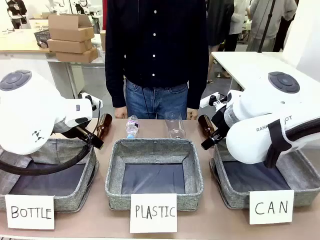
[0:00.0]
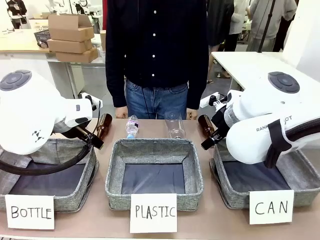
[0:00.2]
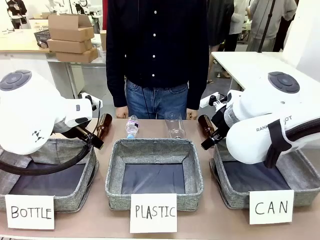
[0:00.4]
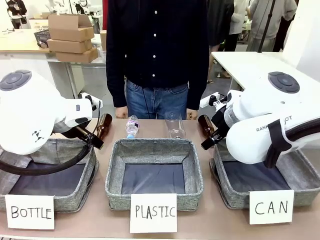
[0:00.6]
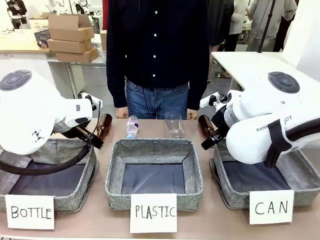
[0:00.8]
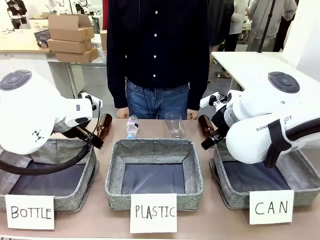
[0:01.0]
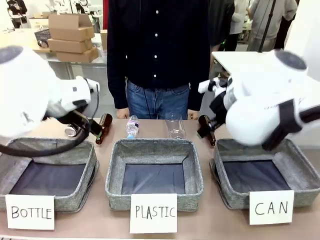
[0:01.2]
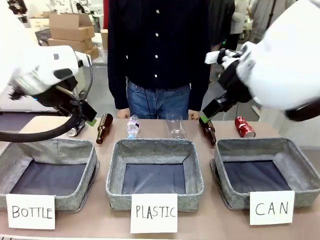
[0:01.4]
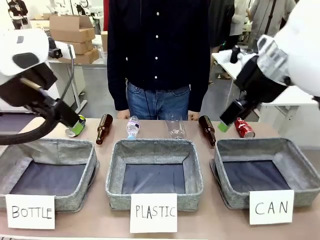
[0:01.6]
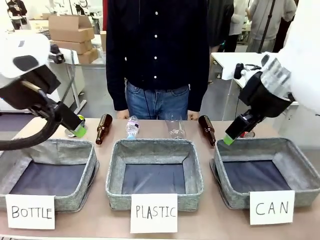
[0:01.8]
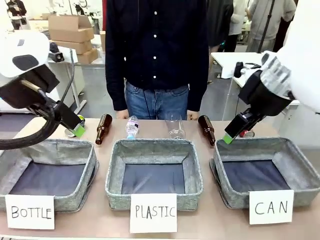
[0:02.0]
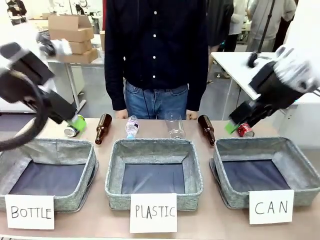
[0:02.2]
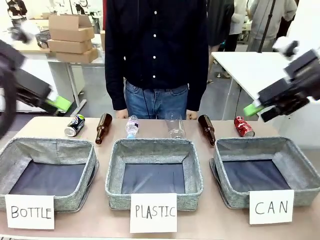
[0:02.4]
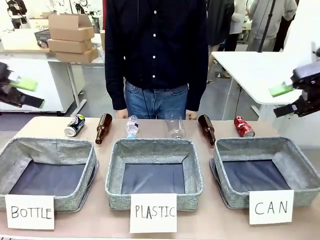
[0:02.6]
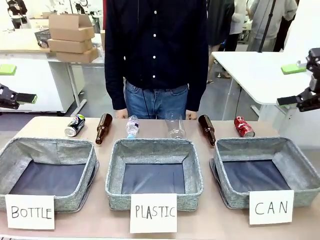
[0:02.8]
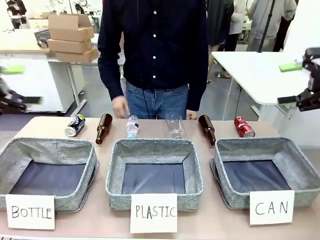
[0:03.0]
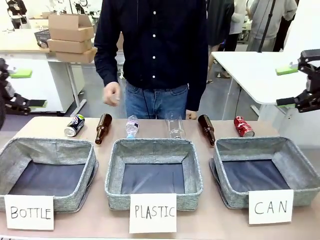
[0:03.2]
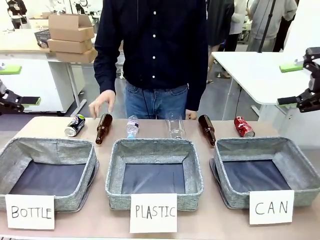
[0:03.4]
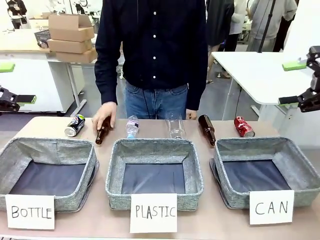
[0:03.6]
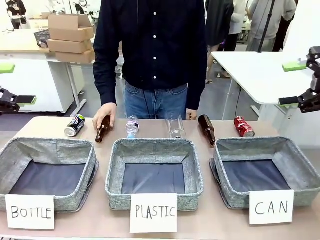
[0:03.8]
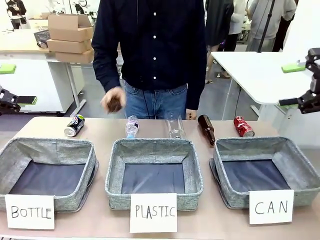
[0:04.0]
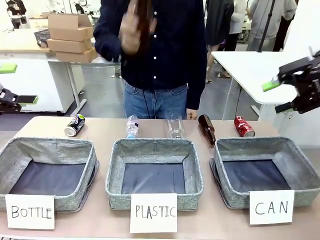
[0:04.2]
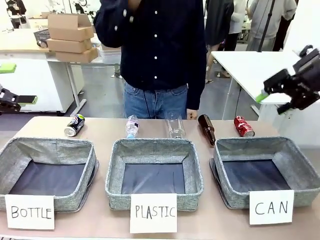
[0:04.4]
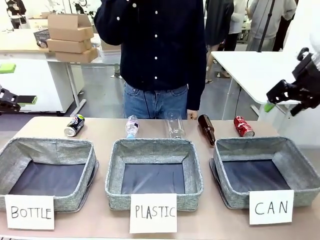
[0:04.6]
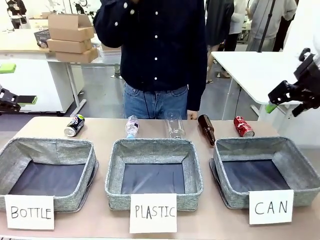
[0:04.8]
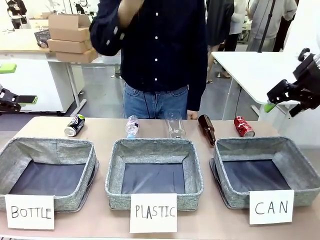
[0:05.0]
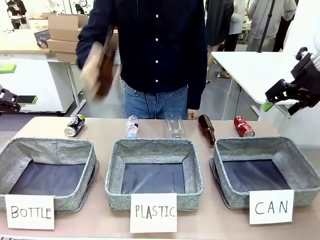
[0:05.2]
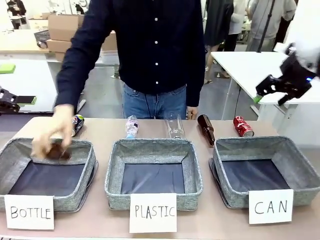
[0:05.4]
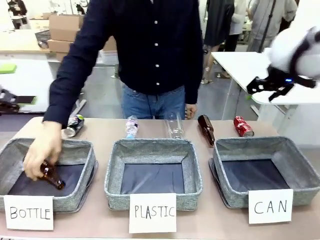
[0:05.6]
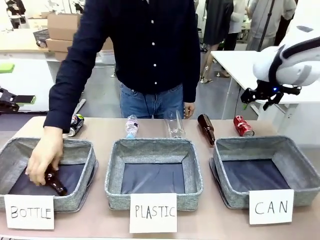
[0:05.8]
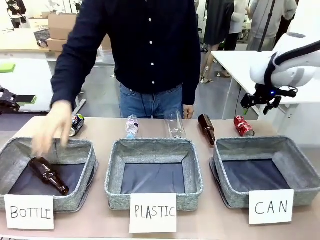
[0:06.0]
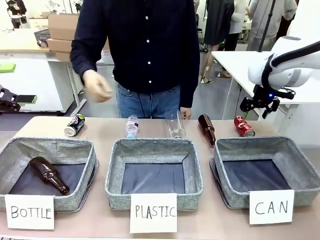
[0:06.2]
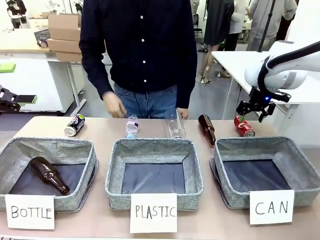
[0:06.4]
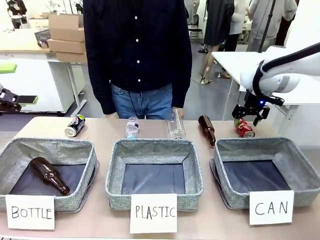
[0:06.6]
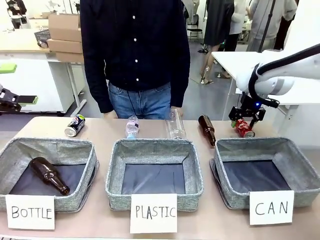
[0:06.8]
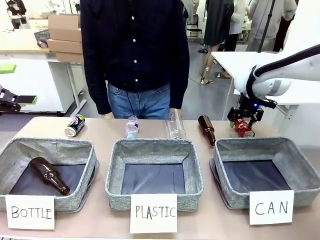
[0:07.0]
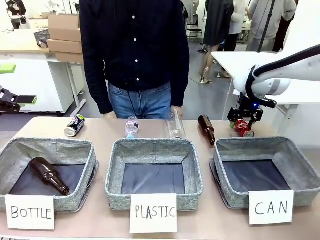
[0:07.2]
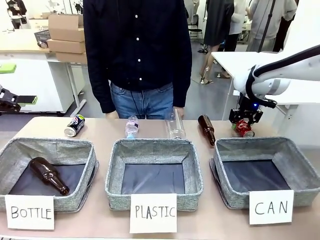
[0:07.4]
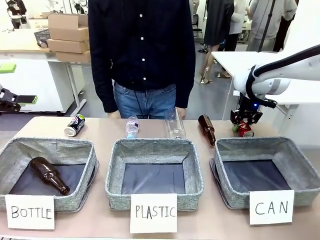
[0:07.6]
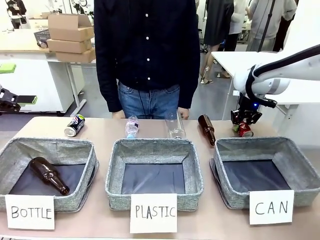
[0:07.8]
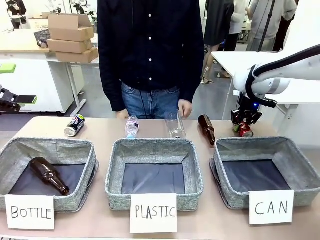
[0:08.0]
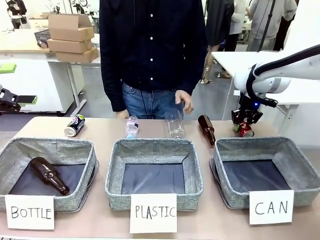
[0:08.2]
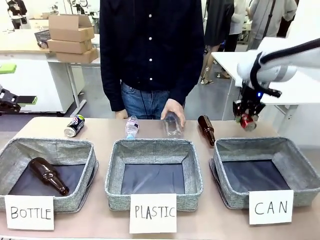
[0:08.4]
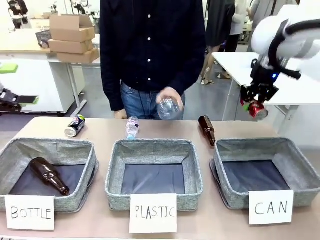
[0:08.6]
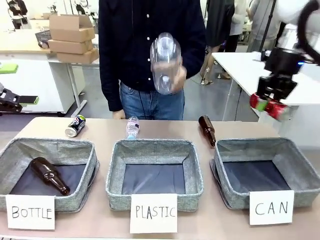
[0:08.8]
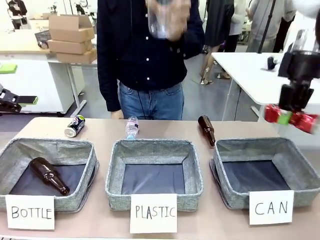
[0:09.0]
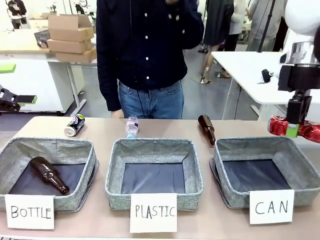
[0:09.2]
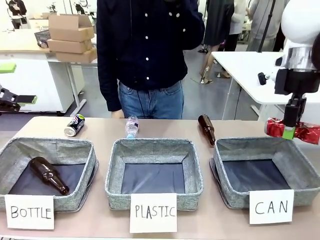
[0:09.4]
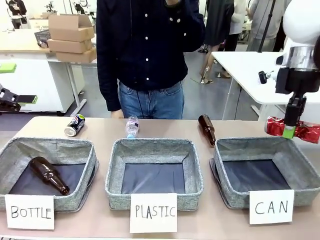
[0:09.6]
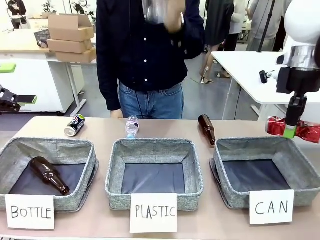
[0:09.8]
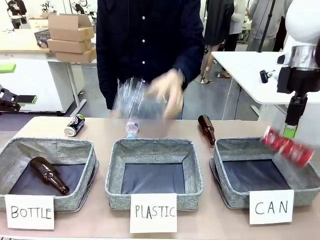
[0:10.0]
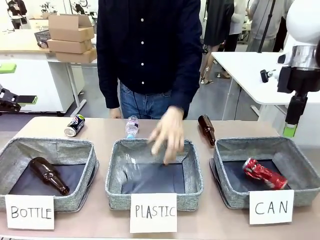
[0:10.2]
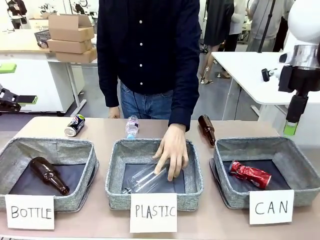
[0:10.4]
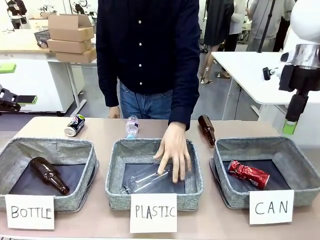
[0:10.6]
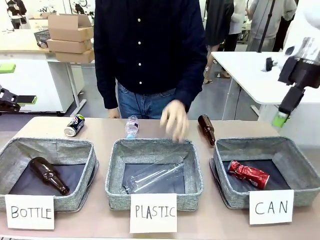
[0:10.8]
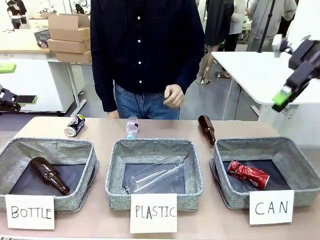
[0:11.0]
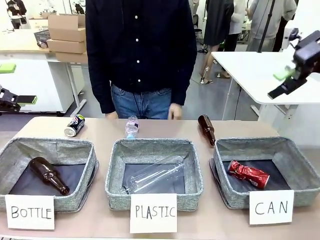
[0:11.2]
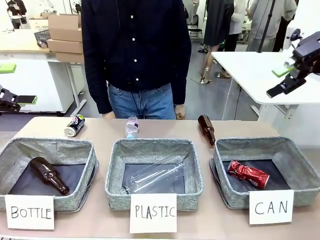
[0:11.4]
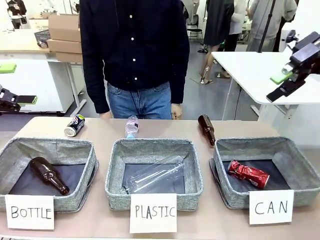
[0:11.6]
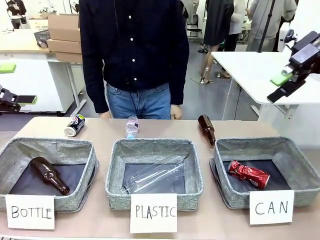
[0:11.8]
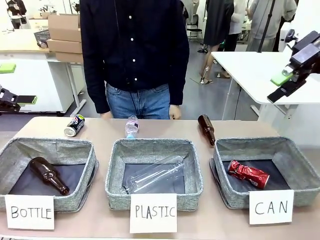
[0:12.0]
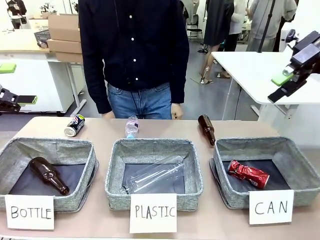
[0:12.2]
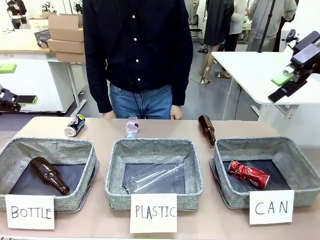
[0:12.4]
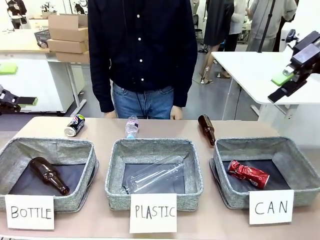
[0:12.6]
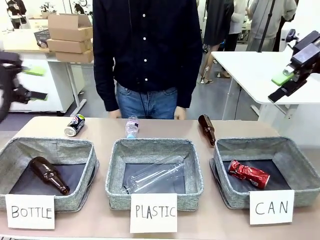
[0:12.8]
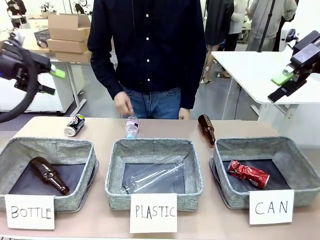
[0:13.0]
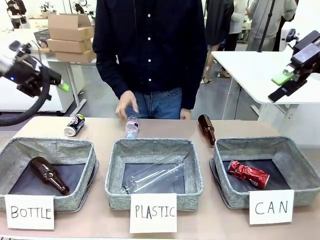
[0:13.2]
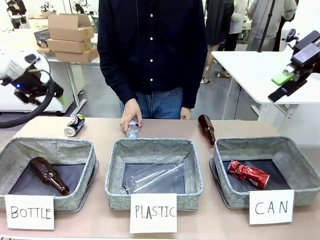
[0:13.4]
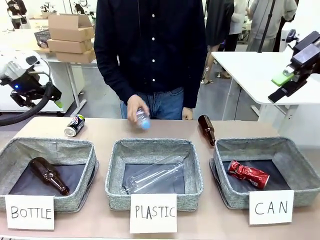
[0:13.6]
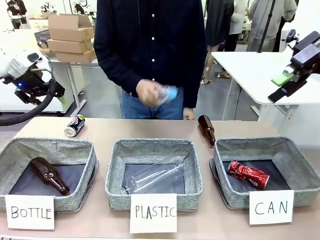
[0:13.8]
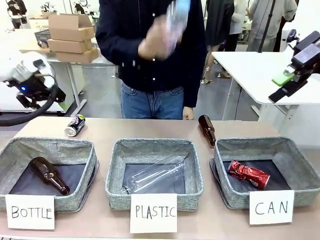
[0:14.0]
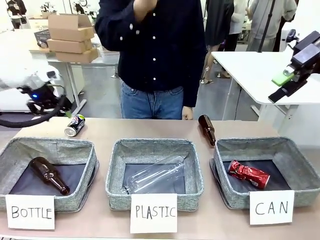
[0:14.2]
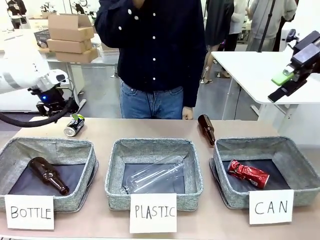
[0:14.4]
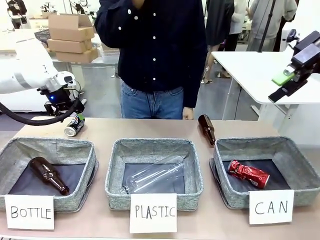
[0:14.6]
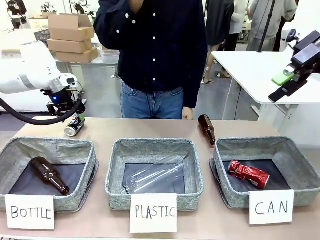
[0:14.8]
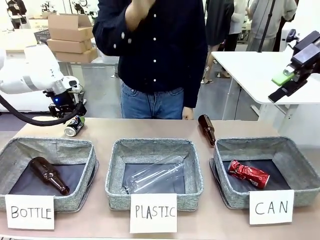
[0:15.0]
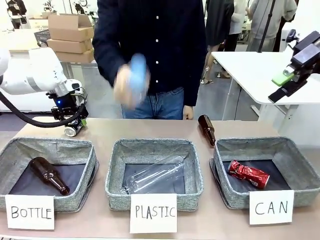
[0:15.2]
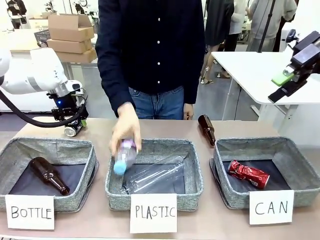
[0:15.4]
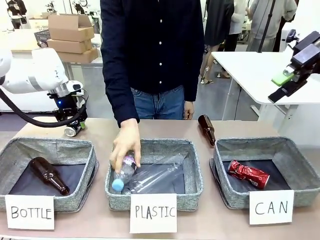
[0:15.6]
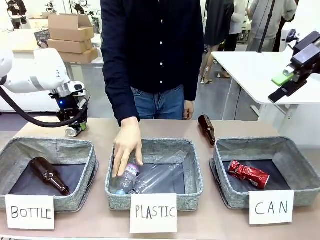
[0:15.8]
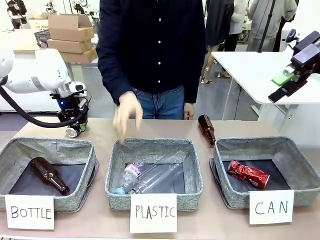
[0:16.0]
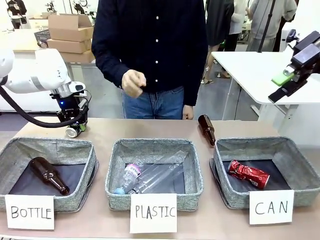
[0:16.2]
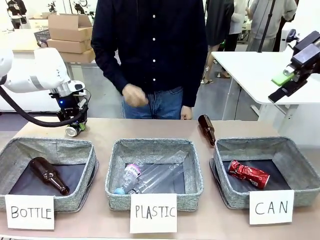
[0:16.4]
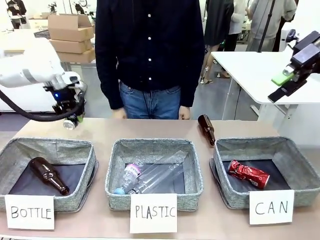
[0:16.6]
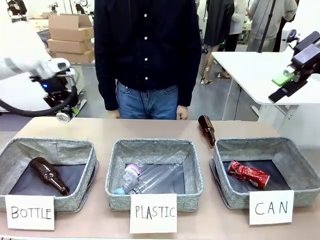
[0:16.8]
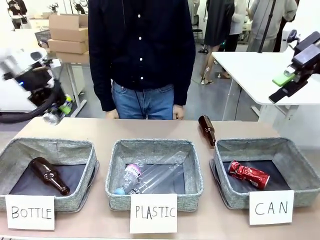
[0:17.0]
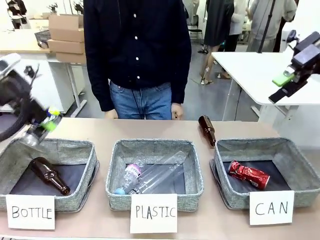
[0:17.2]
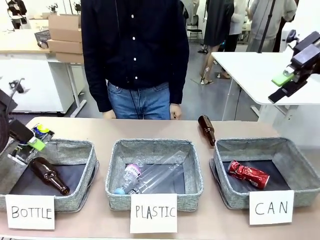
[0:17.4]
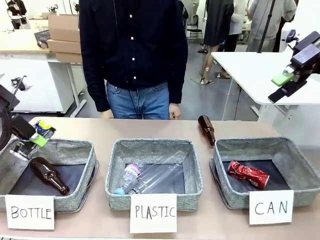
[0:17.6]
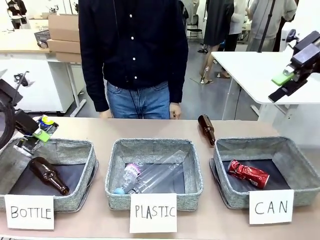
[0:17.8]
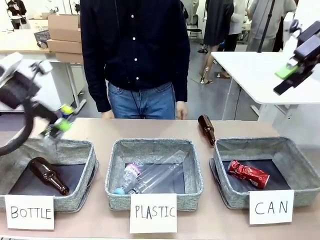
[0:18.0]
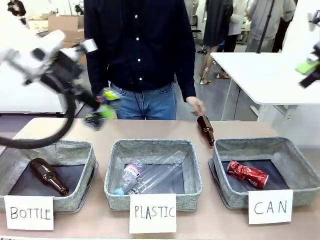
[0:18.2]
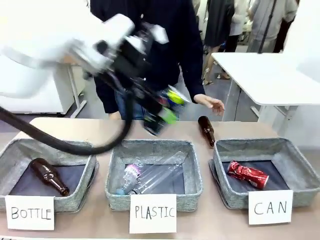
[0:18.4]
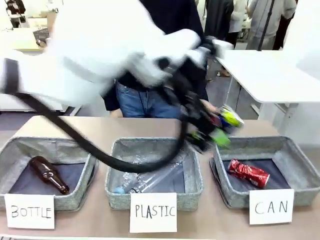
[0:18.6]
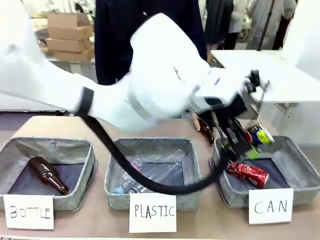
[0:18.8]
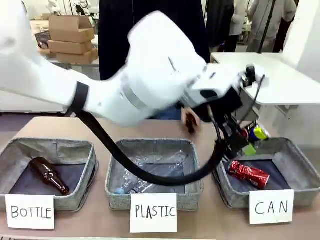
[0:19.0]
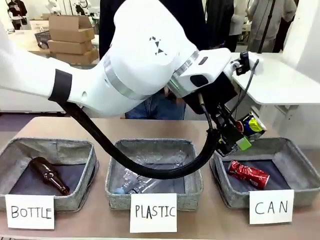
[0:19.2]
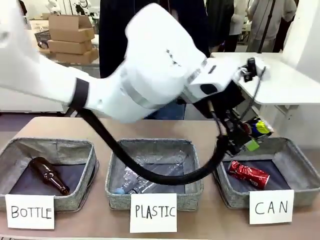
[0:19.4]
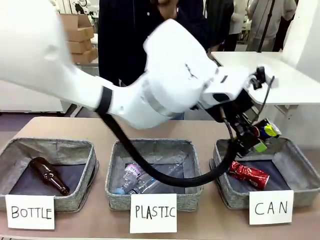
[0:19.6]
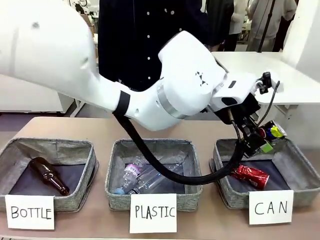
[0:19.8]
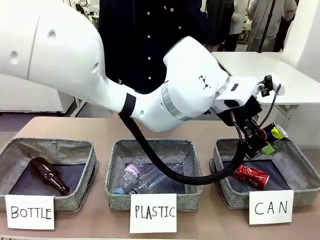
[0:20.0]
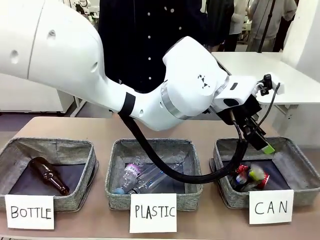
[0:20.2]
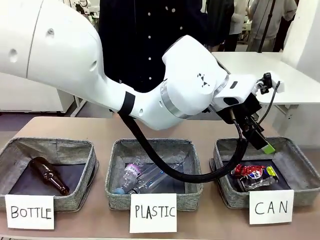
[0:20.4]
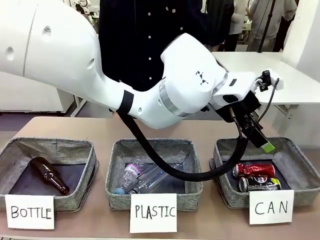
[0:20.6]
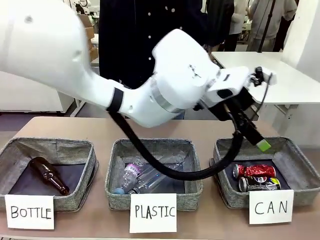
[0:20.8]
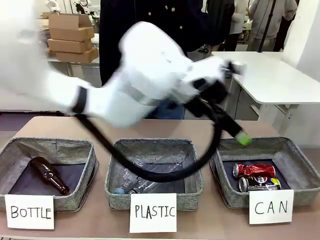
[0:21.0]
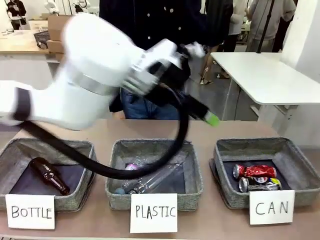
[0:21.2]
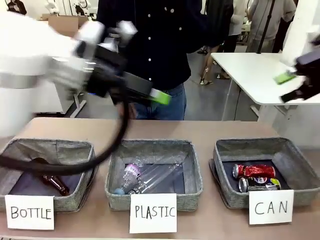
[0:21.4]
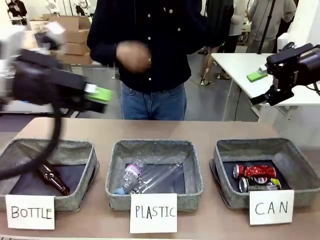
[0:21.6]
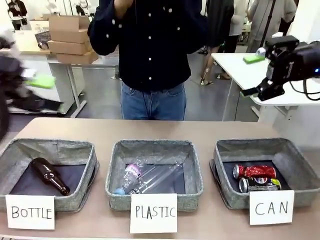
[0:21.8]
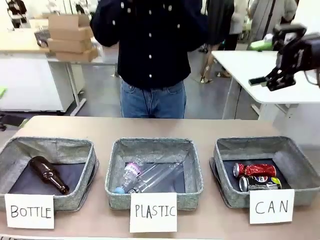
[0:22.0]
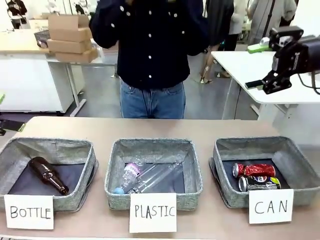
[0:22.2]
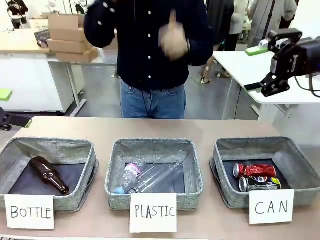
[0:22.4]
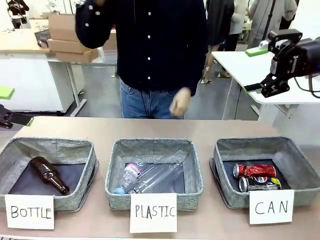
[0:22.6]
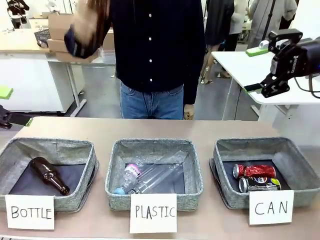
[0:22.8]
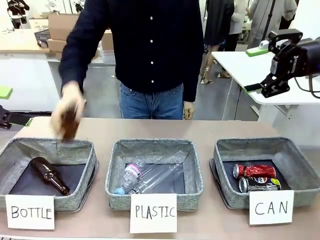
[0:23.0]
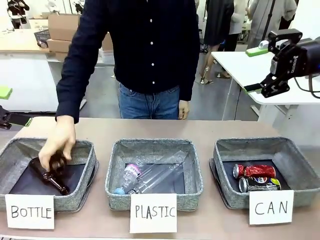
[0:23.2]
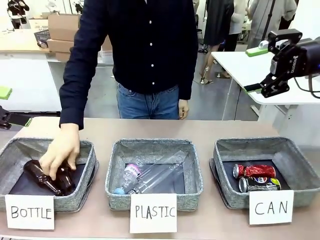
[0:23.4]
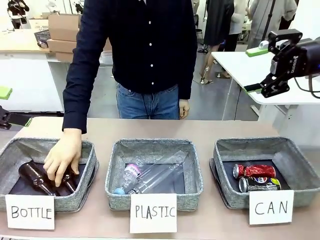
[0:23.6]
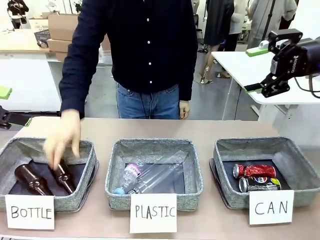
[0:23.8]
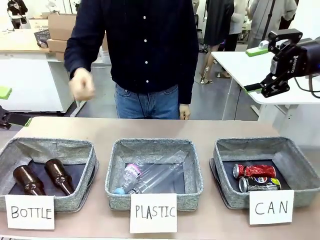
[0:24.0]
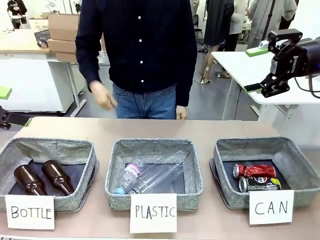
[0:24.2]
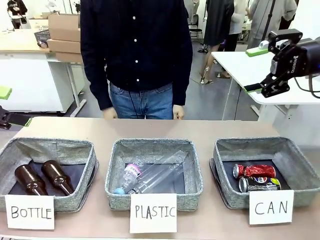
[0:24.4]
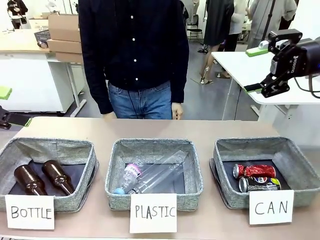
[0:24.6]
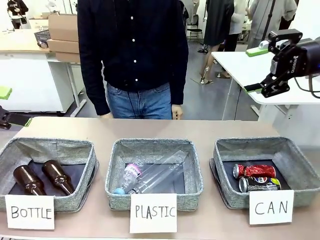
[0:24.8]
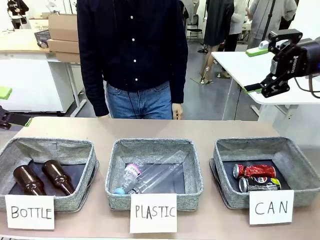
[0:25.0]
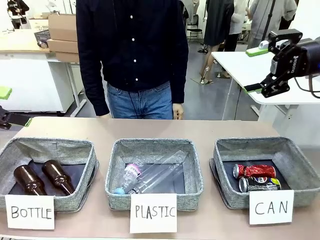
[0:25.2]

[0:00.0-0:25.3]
Task: Sort the can waste into the basket.
Robot: Pick up the can waste from the table and place it in the right Fabric basket.
Person: The human picks up one piece of trash that is not a can and places the trash into the appropriate organizing basket.
